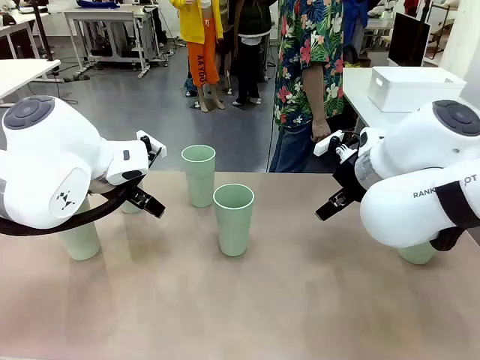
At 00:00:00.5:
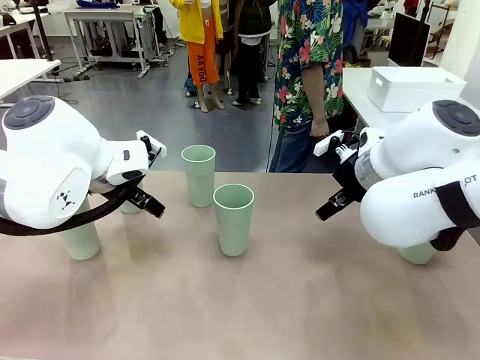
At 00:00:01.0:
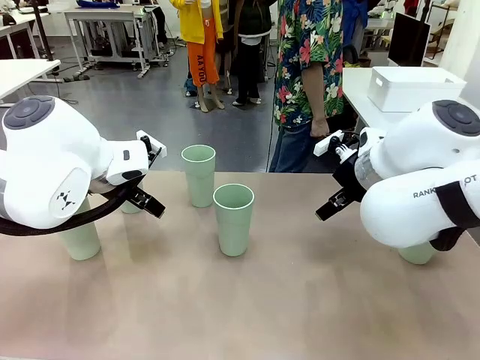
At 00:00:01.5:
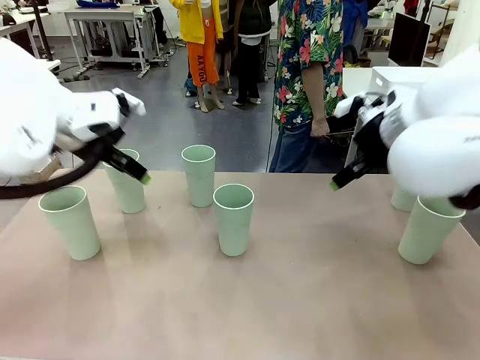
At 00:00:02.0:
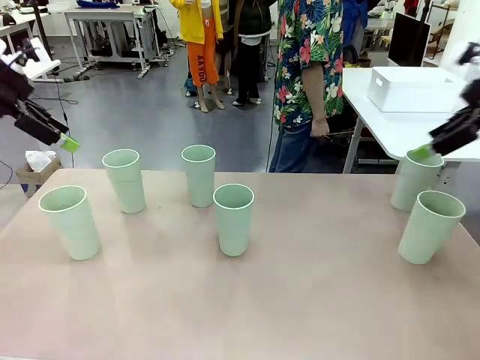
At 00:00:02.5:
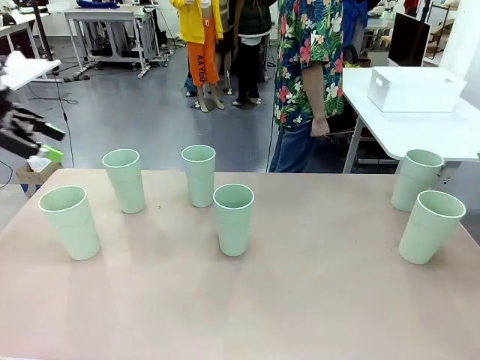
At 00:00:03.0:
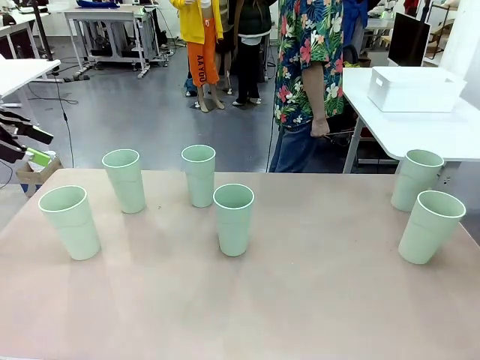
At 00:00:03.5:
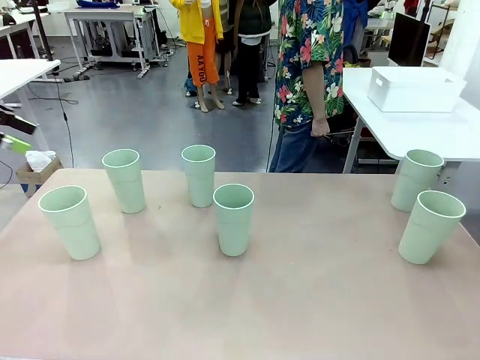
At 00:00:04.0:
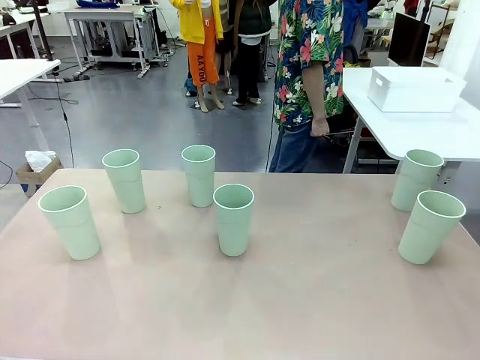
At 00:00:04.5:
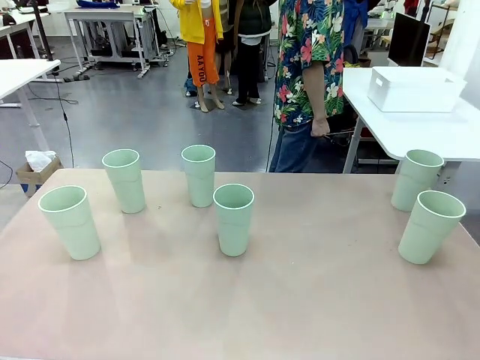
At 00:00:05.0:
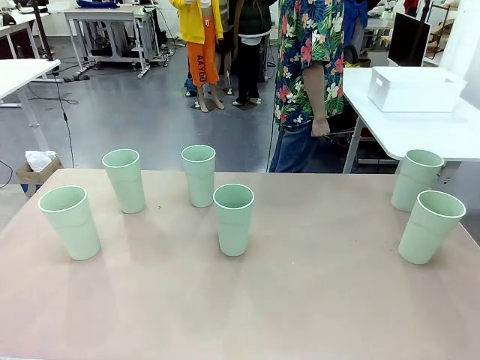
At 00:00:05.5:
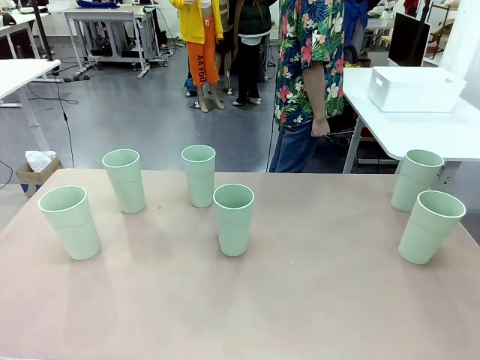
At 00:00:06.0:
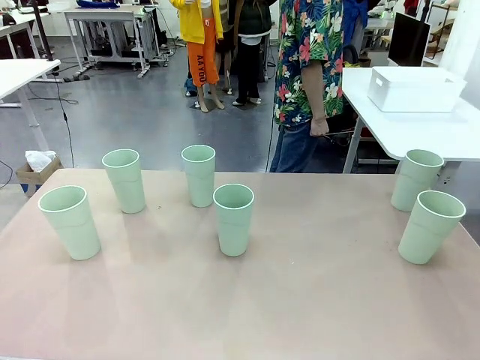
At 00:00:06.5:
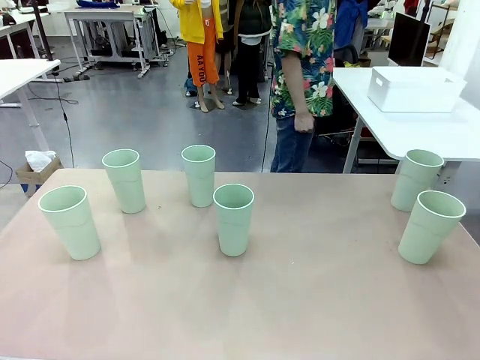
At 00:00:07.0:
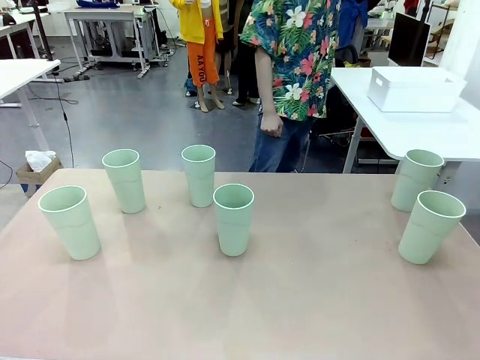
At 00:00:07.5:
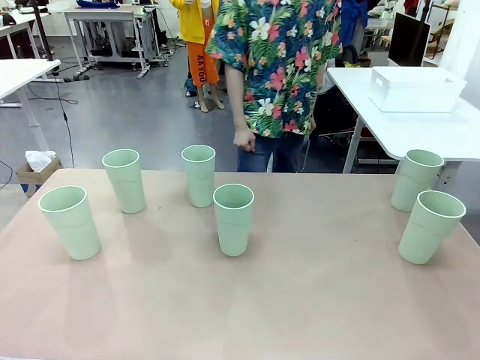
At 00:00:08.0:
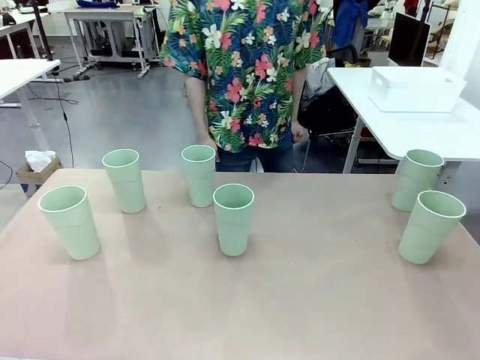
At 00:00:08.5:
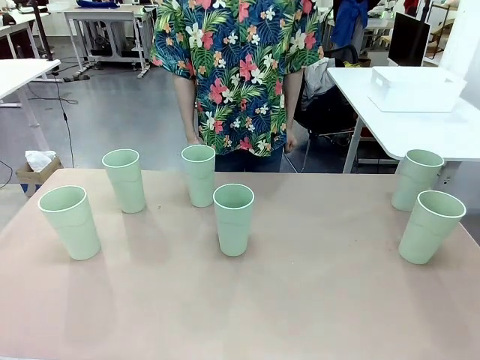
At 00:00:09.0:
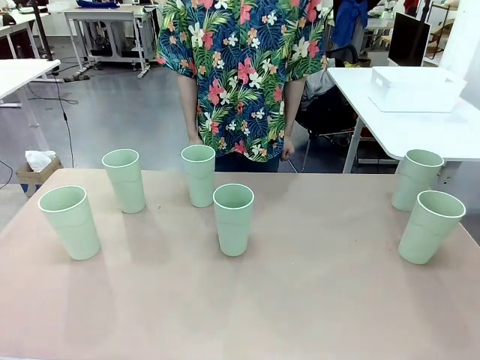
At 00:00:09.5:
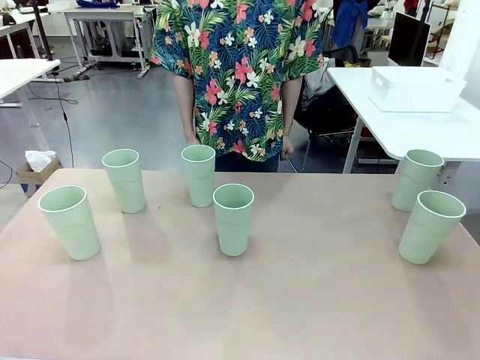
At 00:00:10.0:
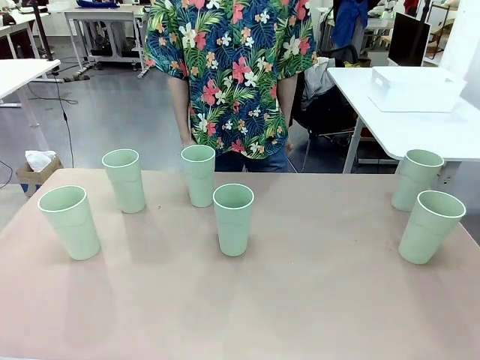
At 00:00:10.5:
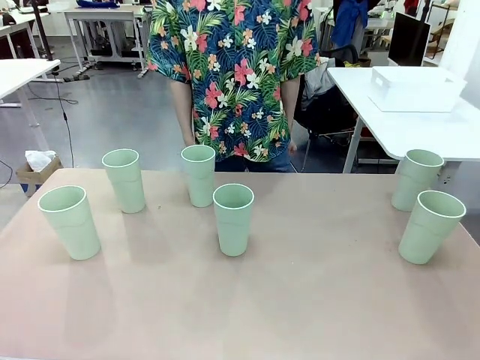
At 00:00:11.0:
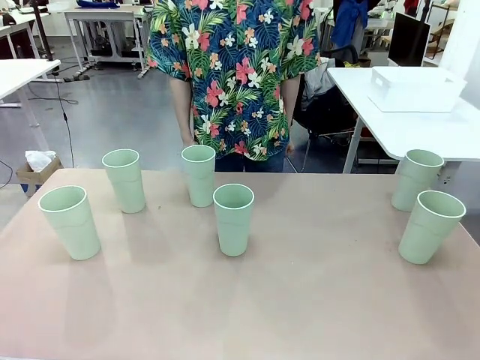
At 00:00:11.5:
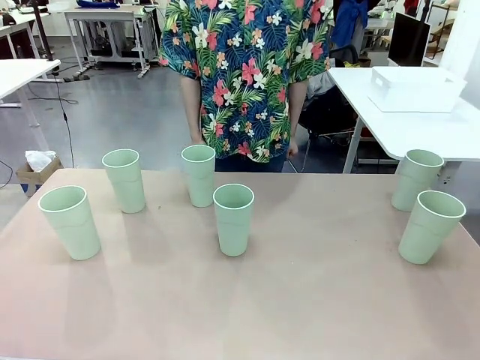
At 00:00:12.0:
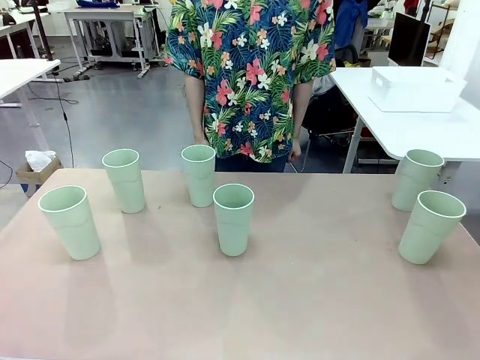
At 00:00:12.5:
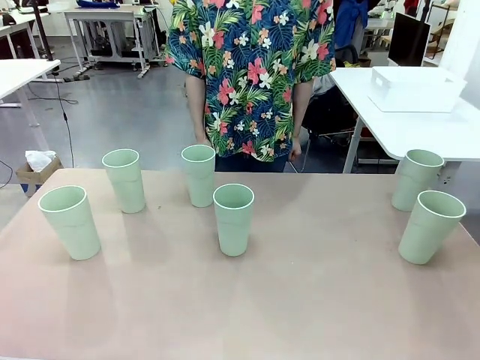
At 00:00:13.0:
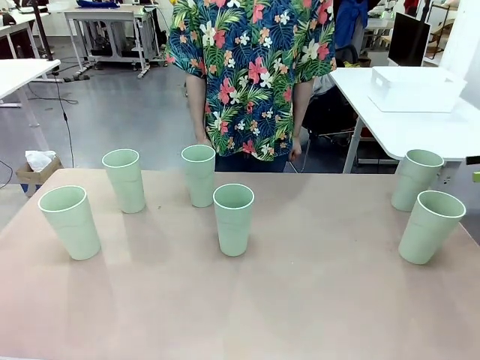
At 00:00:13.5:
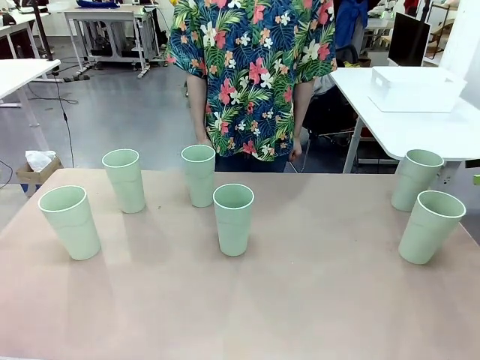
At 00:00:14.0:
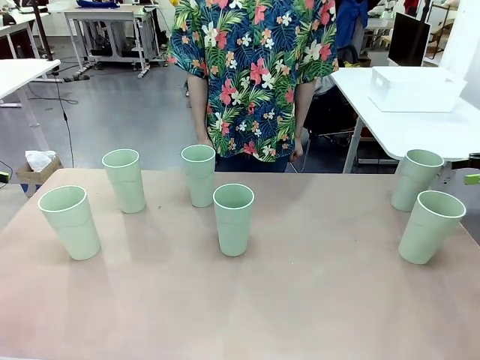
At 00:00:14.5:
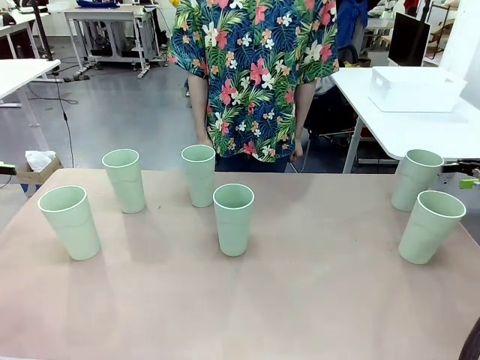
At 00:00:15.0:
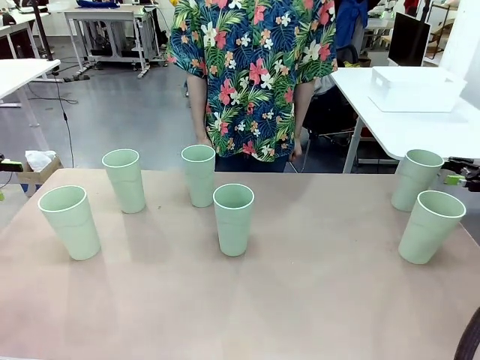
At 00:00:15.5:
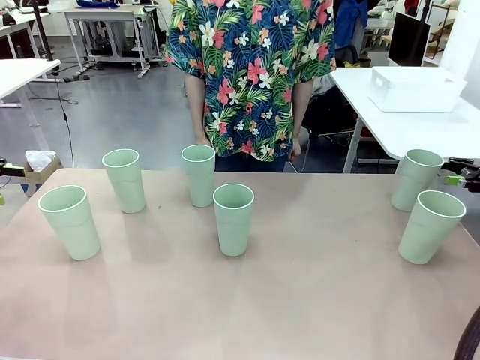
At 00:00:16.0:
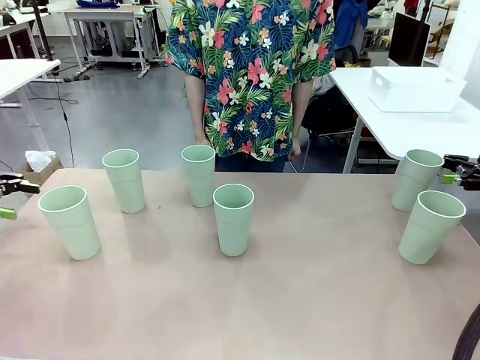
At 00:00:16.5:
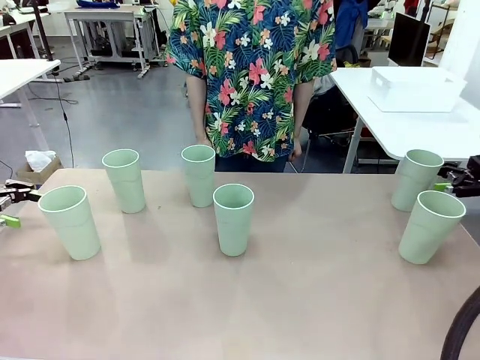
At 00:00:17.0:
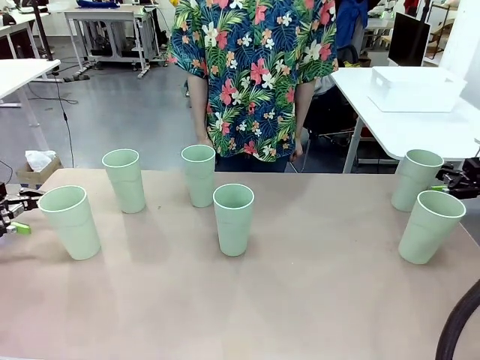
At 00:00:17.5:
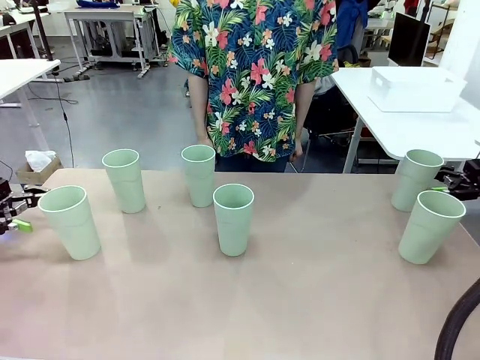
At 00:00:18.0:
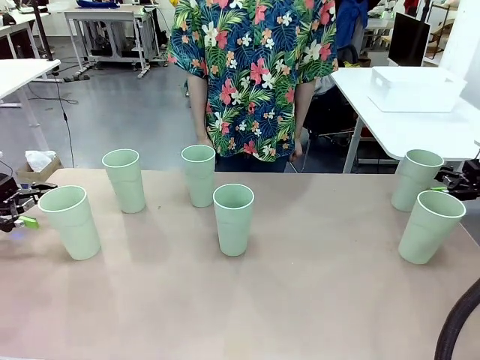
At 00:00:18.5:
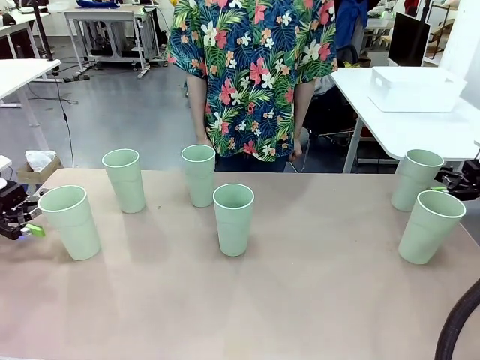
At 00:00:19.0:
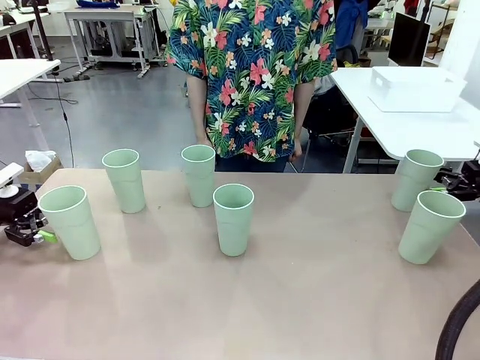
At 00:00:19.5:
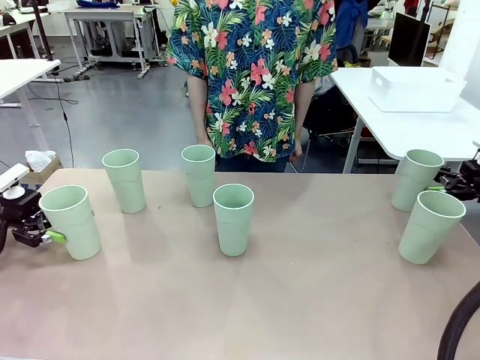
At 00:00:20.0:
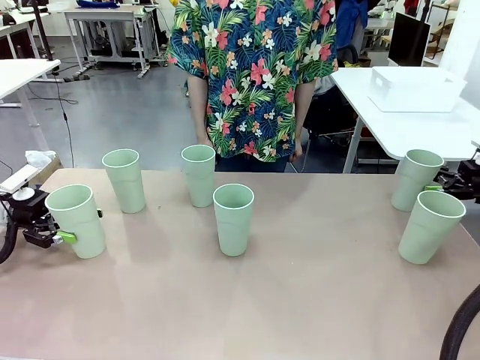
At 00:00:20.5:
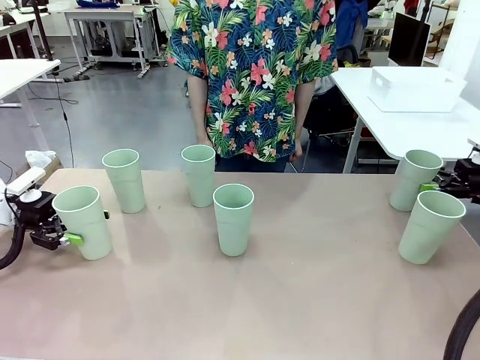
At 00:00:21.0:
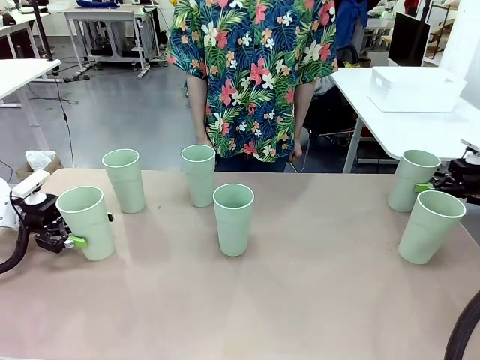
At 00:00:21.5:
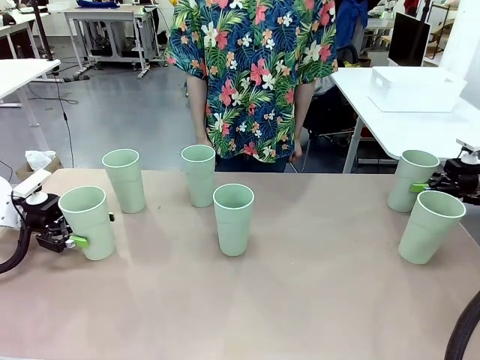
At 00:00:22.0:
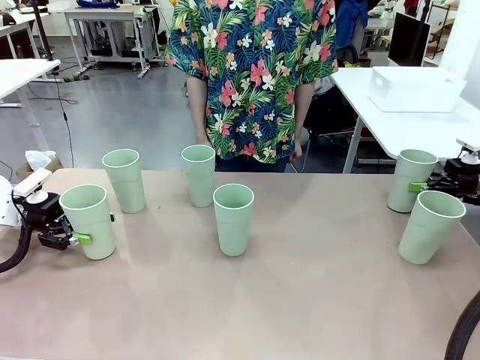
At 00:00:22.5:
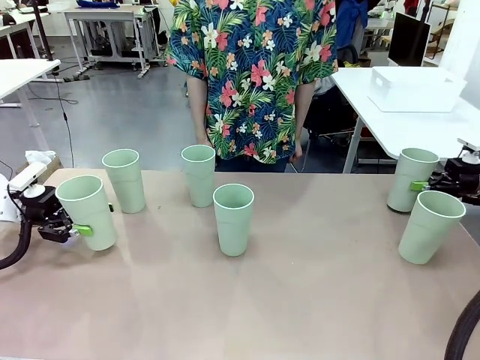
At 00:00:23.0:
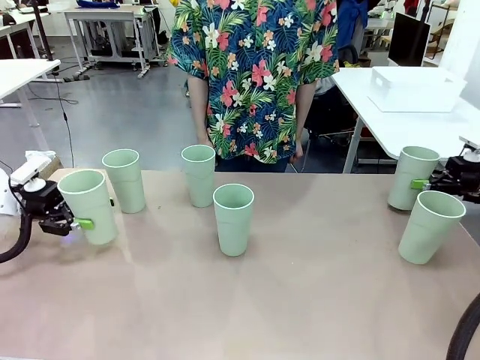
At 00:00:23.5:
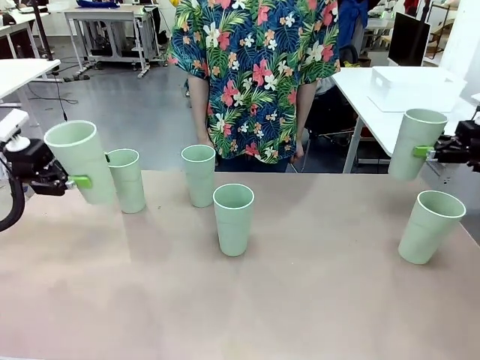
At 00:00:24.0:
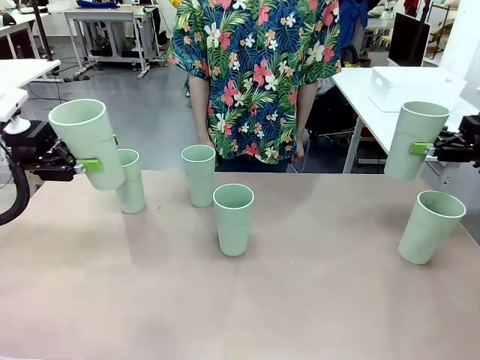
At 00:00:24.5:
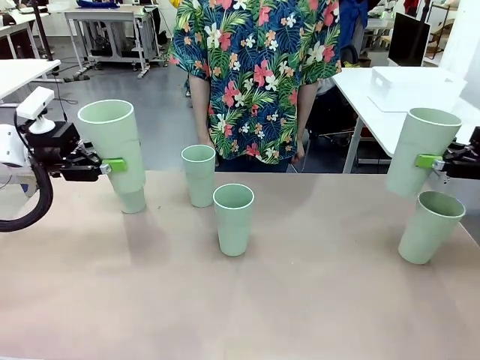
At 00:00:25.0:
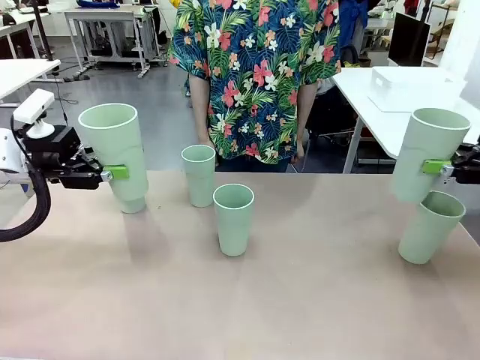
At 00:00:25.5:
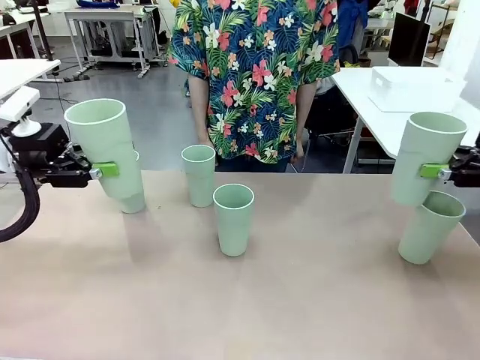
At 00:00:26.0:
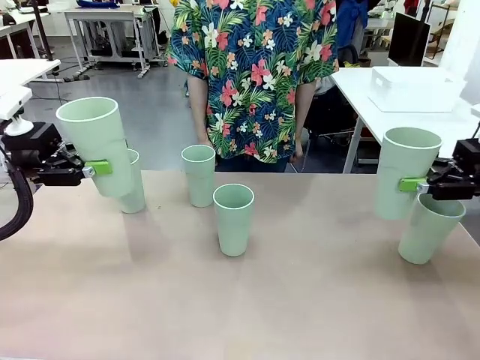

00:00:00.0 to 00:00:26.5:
Task: Stack the cups and store them in the basket.
Robot: Pick up two Reusable plastic cups , one in each hand.
Person: Move from the Human Table to the front of the Robot Table. Stack two of the remaining cups on top of each cup held by the robot.
